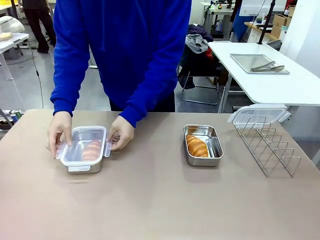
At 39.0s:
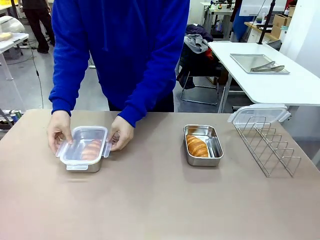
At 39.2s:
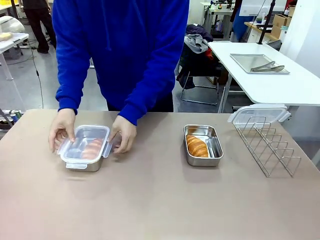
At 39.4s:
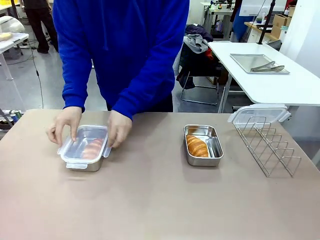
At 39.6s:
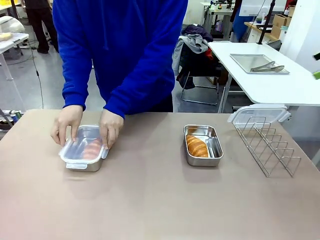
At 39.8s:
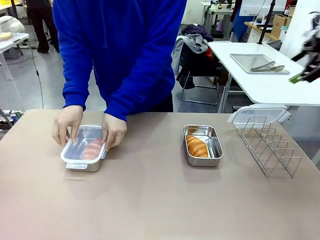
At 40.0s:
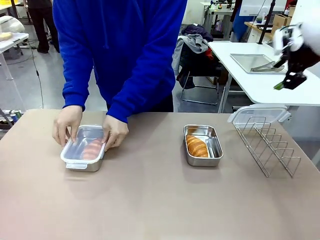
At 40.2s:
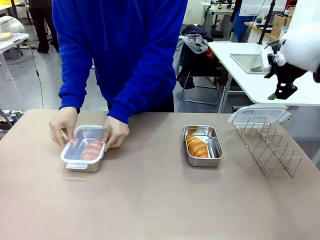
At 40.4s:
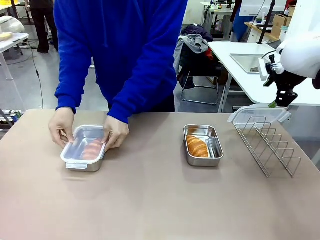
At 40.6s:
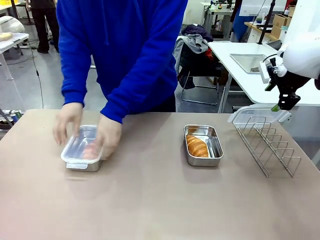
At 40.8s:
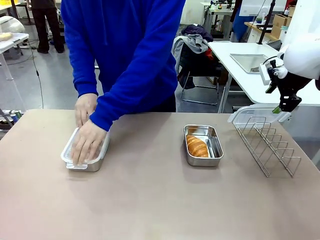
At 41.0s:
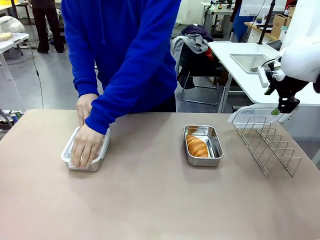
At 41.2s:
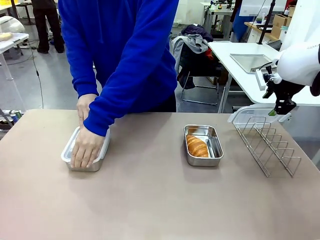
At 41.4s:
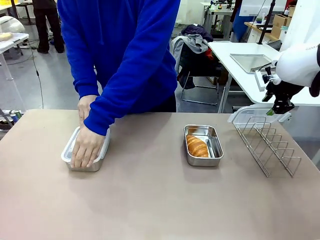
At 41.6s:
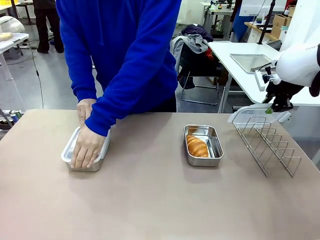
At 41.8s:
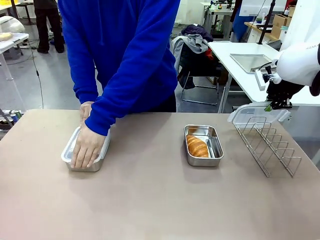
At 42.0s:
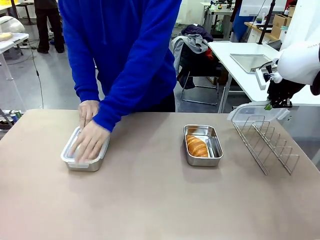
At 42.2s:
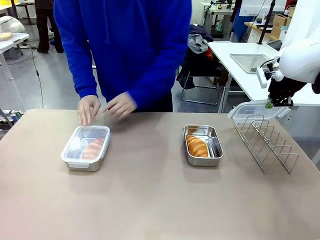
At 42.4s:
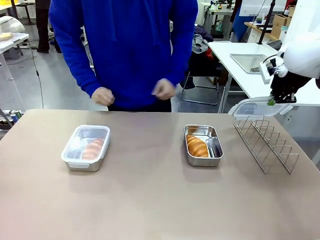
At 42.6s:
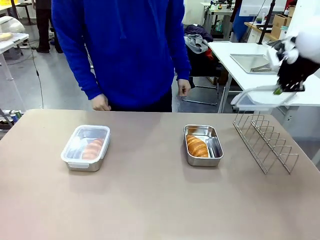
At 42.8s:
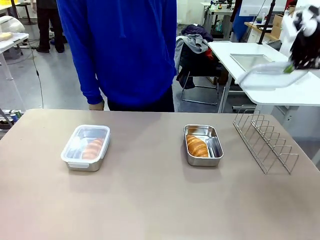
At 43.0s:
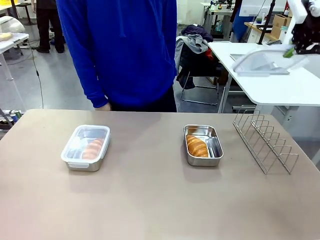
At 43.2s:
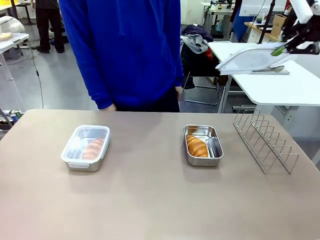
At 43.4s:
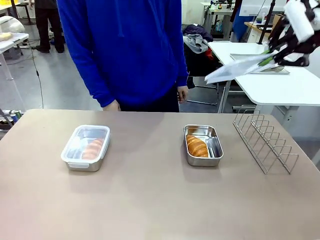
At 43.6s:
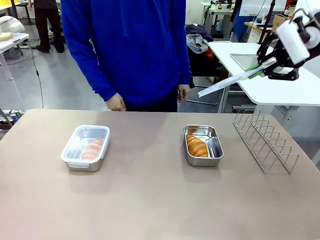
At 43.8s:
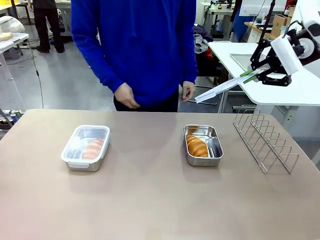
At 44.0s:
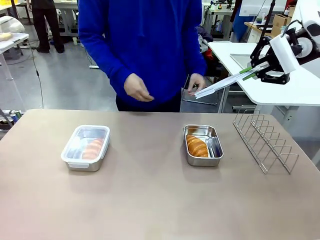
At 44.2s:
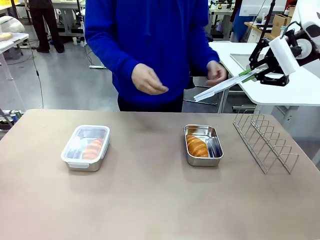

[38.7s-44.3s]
Task: Place the bread in airtight containers.
Robot: Pick up one Airtight Container lid and hand it to the human.
Person: Close Airtight Container with a handed Airtight Container lid. Grip Airtight Container lid that robot is handing.

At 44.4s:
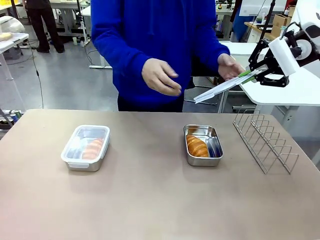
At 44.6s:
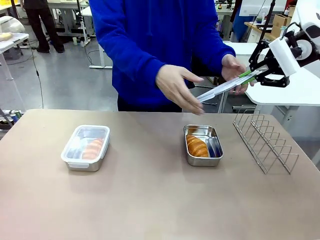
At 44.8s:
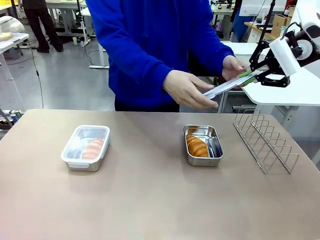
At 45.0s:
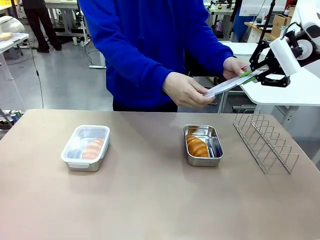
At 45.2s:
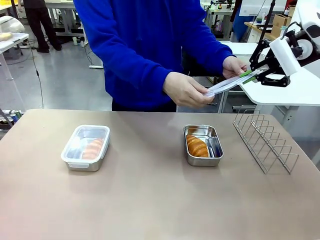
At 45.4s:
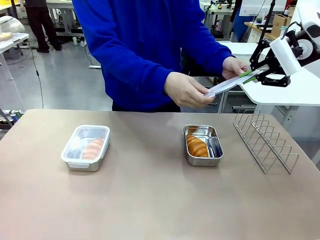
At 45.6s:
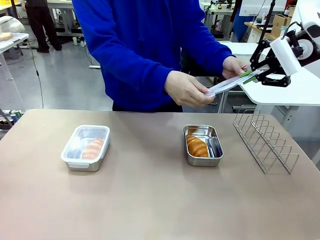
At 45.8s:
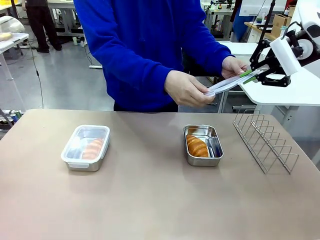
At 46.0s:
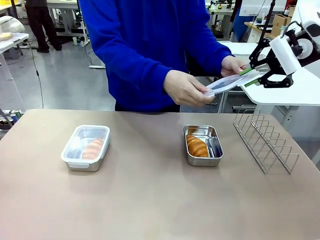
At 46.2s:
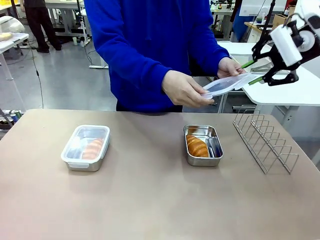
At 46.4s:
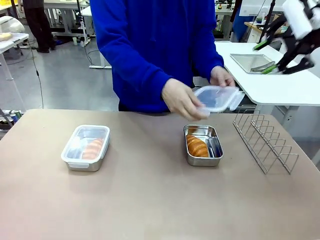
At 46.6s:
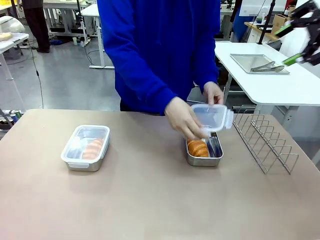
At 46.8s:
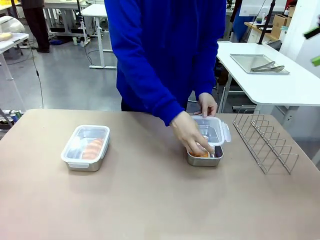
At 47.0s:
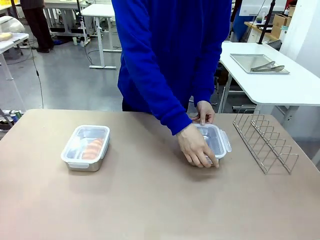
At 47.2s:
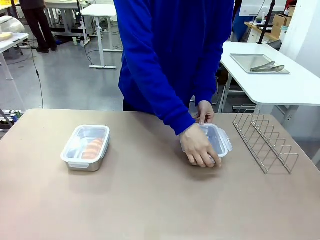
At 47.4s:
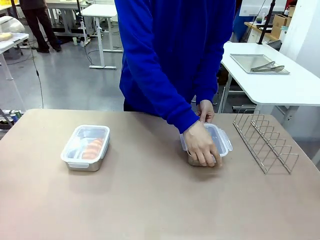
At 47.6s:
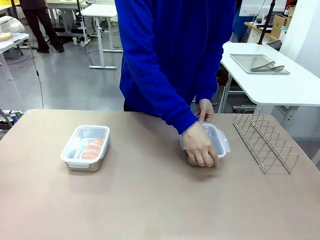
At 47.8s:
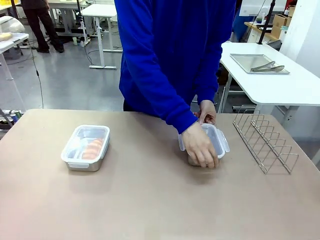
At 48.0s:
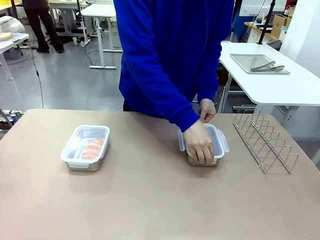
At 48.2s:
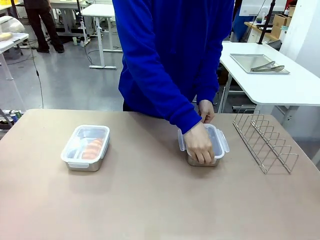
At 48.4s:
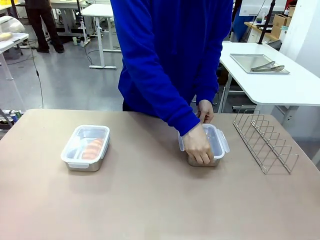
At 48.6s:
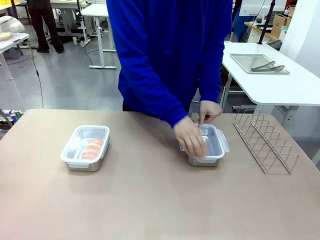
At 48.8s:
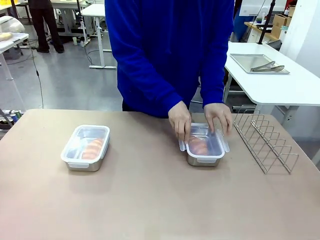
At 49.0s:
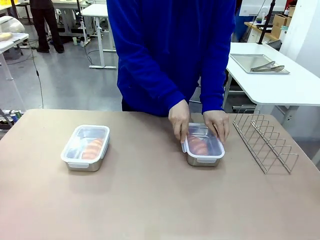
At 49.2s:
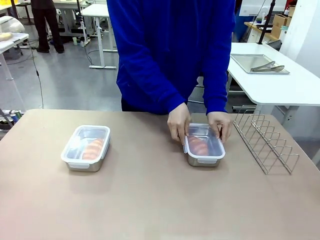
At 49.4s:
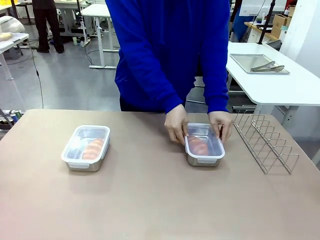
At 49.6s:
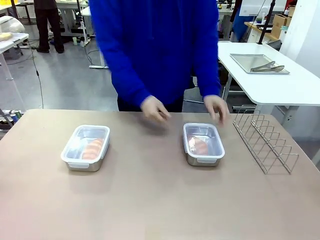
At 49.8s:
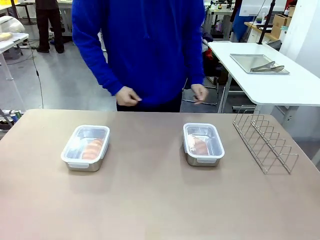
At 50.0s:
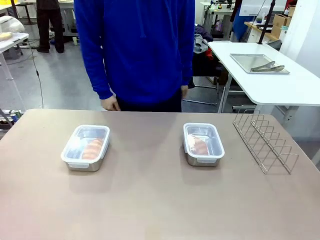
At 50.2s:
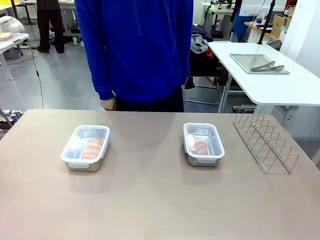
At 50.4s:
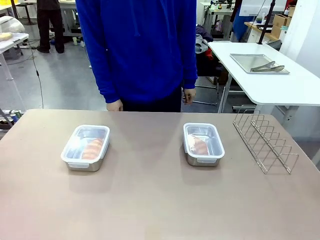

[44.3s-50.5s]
Robot: Release when the human grabs the Airtight Container lid.
Person: Close Airtight Container with a handed Airtight Container lid.

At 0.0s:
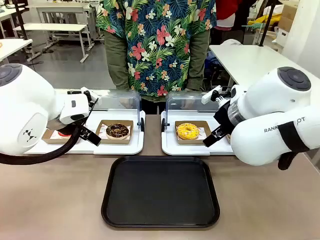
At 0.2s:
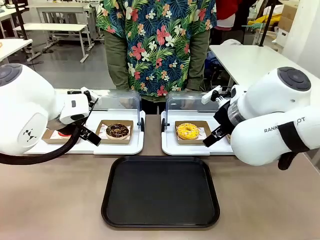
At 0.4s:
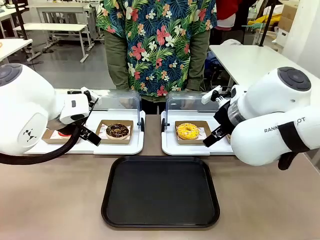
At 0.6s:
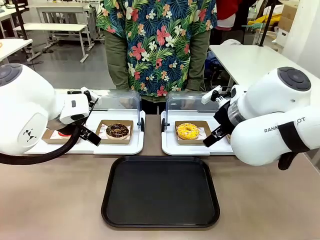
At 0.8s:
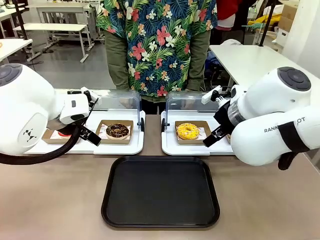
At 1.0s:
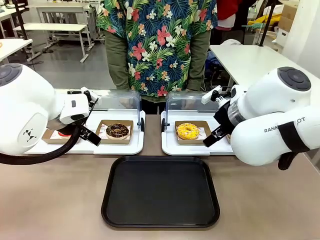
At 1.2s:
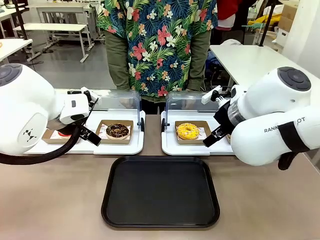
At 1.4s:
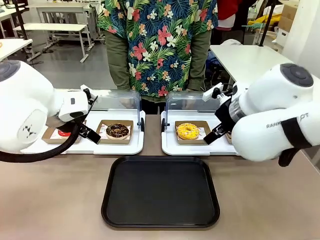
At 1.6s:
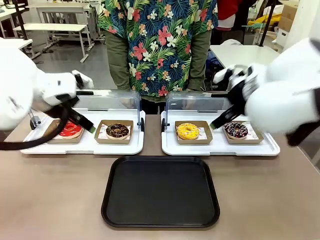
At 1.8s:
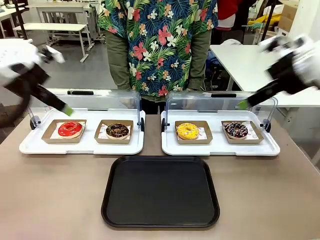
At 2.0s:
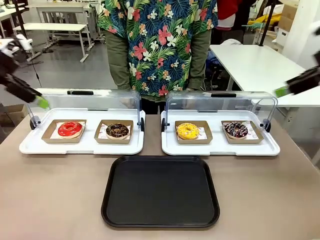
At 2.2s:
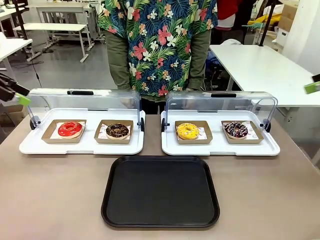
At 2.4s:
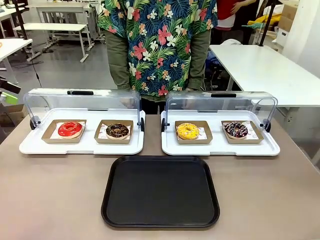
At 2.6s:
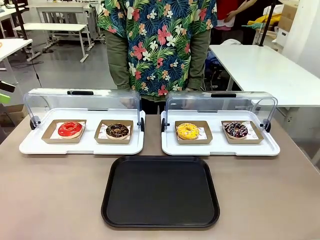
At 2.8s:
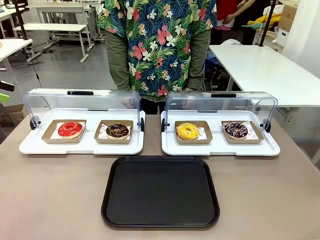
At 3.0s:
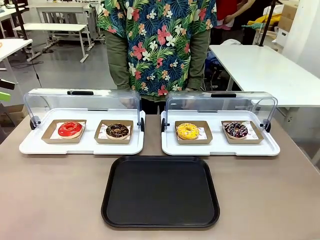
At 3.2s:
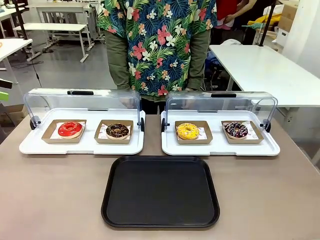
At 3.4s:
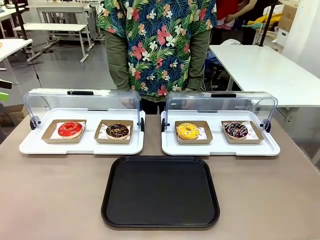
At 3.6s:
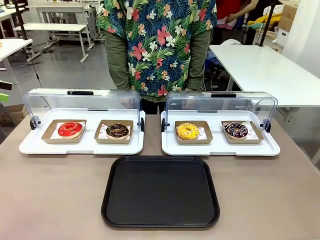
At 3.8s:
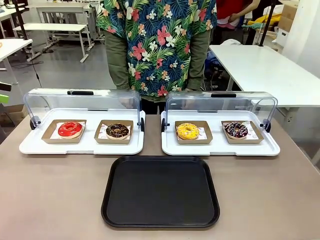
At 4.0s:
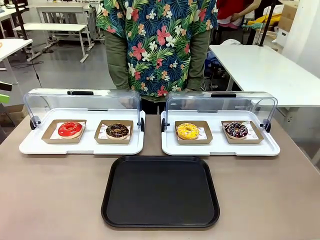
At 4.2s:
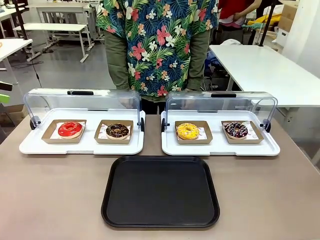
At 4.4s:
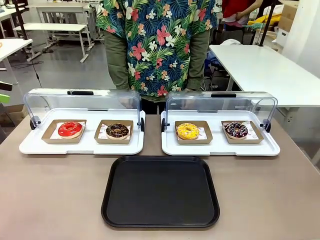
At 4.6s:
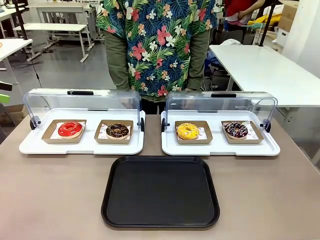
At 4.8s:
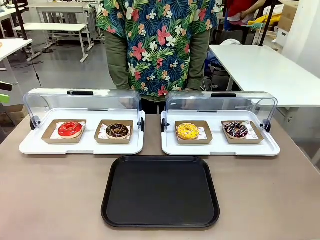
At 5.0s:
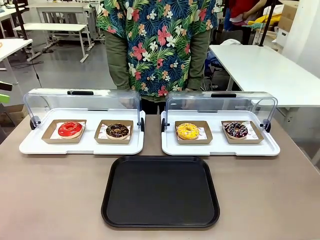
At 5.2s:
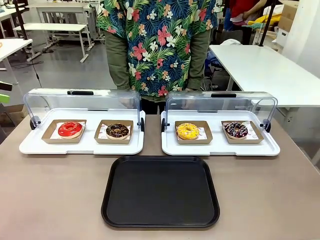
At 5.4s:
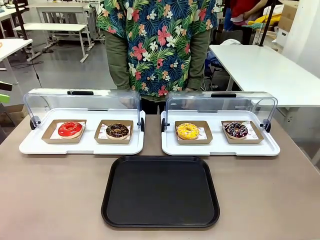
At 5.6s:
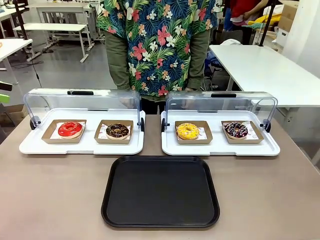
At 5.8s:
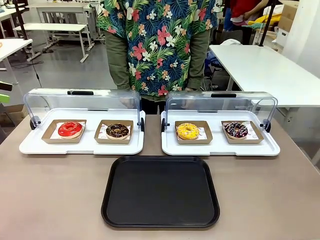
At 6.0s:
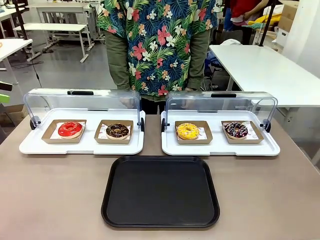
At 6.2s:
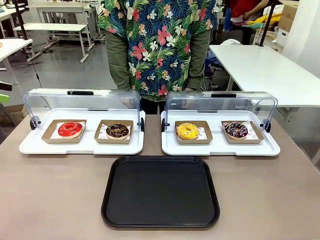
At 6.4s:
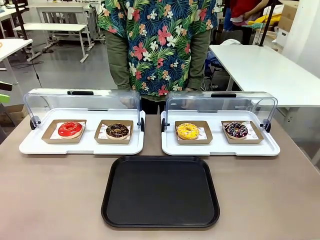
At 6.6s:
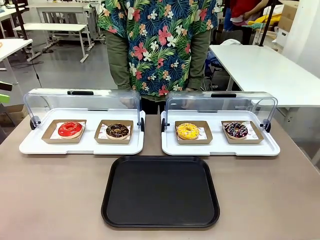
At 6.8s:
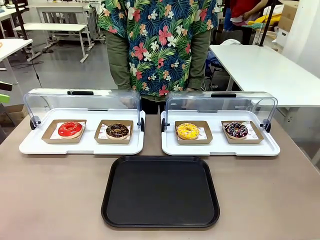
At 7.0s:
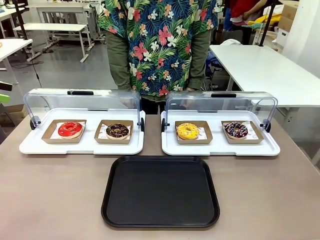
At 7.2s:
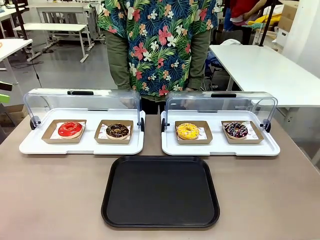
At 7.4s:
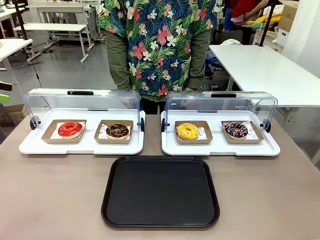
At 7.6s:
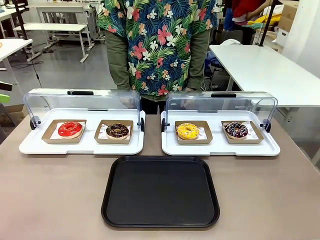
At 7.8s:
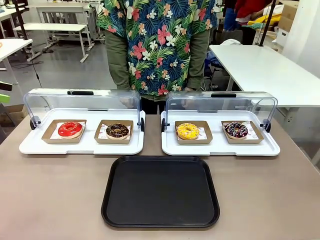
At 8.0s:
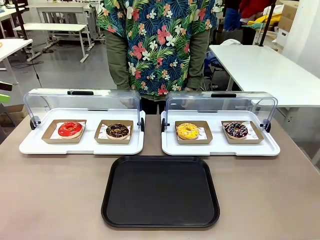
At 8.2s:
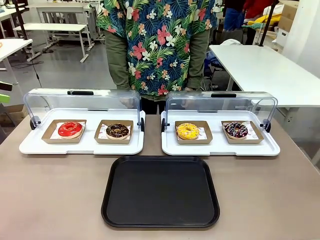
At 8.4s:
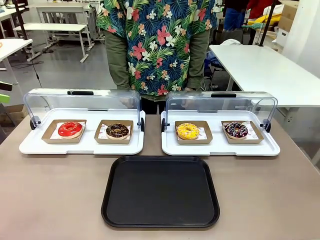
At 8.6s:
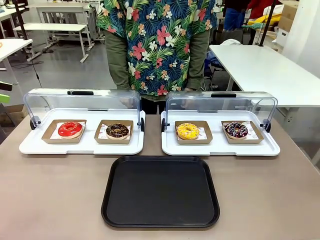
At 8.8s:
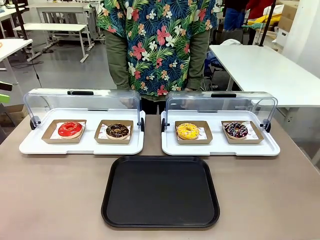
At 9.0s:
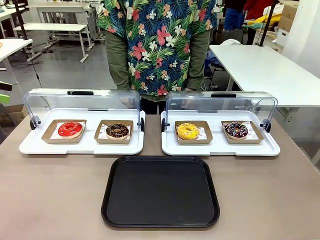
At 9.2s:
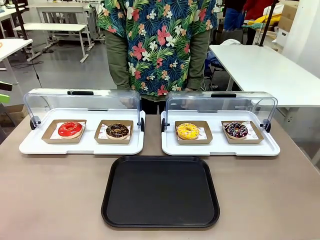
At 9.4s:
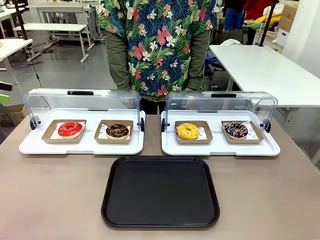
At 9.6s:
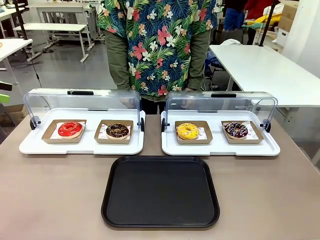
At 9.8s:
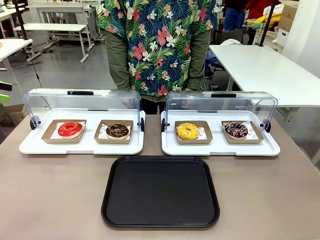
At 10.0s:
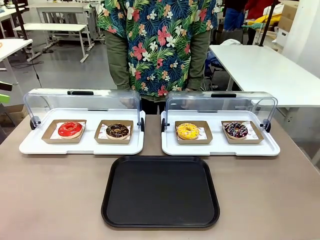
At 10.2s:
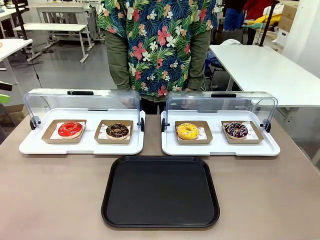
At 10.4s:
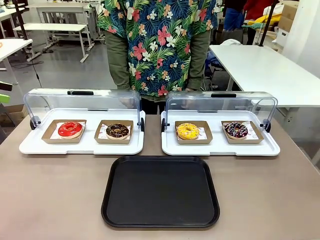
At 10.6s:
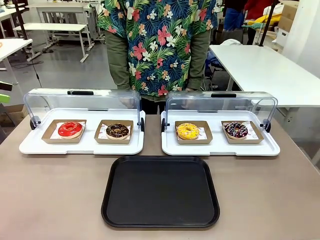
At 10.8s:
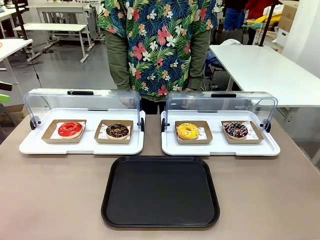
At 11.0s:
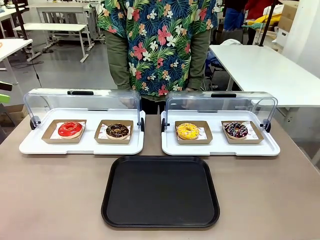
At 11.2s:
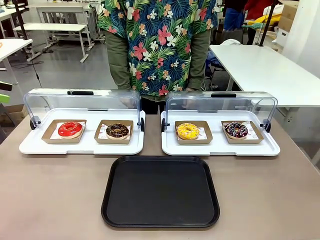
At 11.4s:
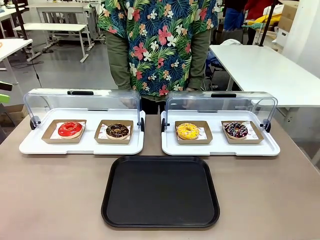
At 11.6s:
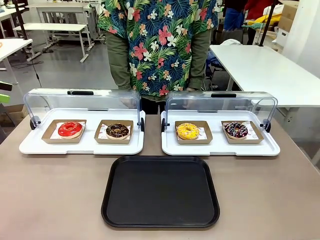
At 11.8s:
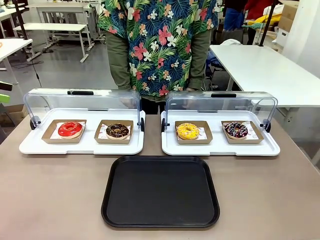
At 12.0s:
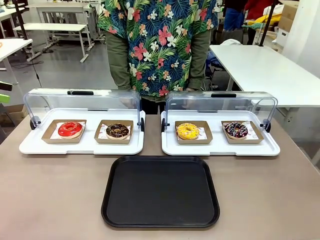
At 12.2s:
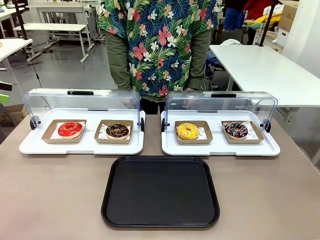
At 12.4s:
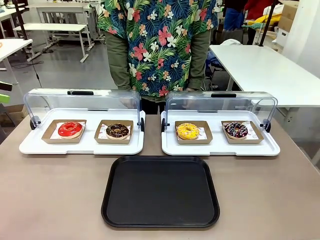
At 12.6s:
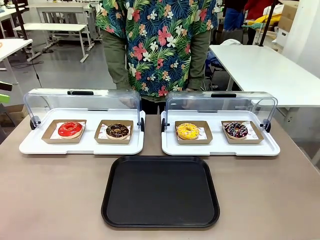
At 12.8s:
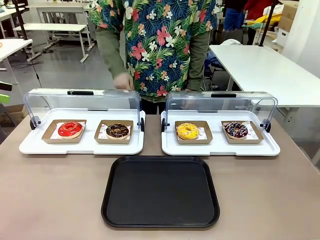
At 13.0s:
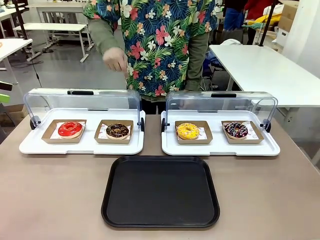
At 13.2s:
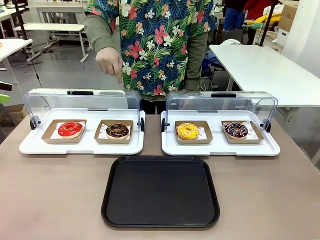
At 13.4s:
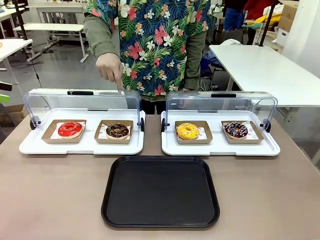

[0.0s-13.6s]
Task: Move the second donut from the left to the tray.
Robot: Pick up the Paper togo box containing the Donut indicated by the person and place it on the Handle tray.
